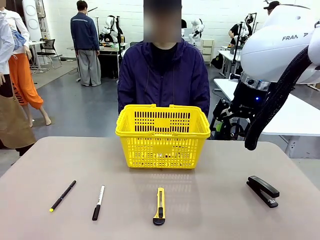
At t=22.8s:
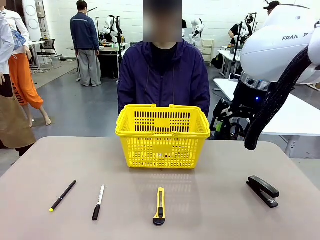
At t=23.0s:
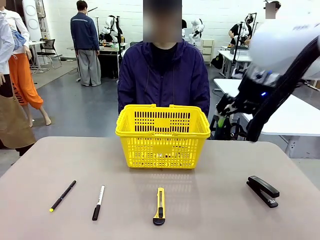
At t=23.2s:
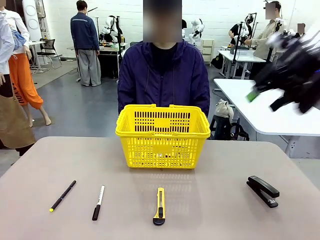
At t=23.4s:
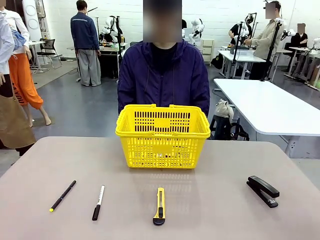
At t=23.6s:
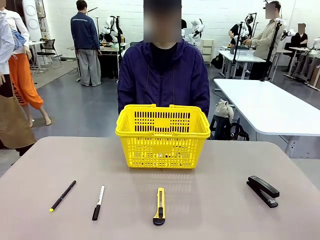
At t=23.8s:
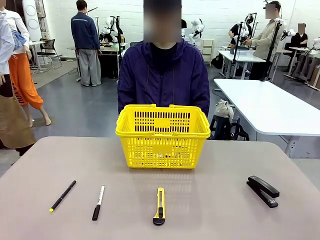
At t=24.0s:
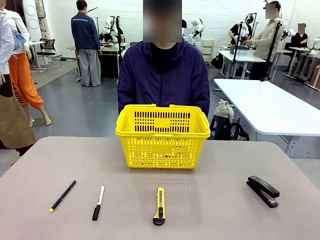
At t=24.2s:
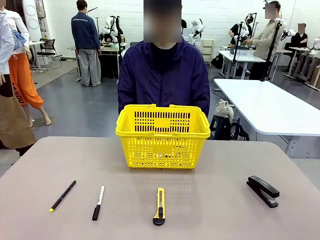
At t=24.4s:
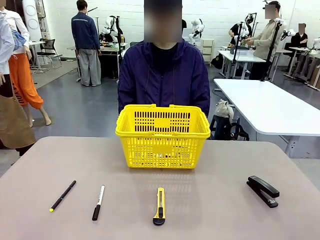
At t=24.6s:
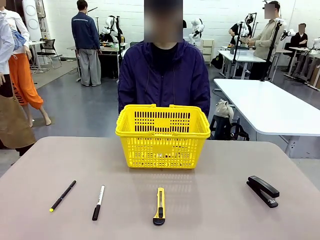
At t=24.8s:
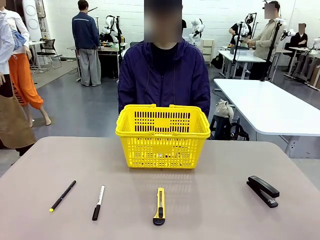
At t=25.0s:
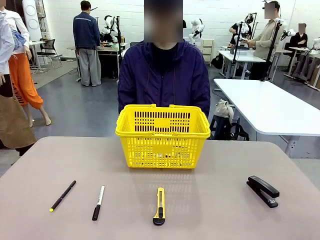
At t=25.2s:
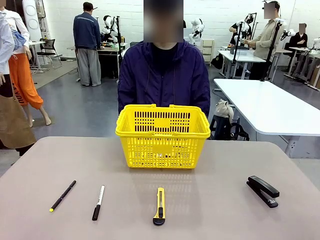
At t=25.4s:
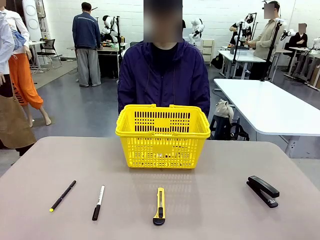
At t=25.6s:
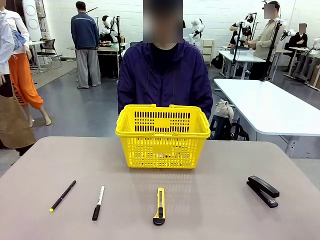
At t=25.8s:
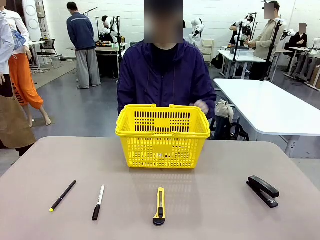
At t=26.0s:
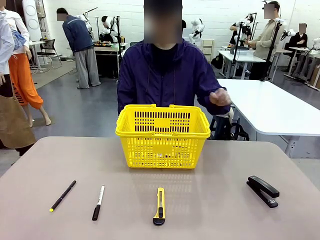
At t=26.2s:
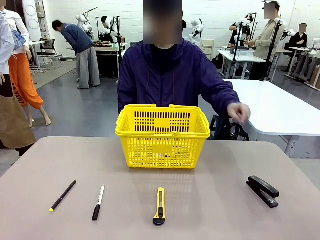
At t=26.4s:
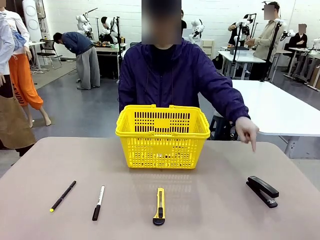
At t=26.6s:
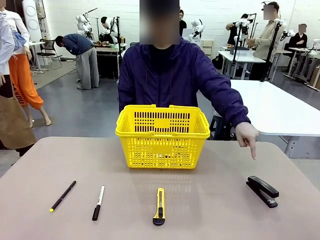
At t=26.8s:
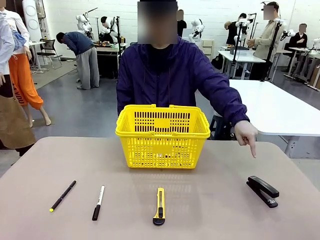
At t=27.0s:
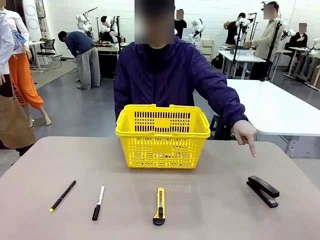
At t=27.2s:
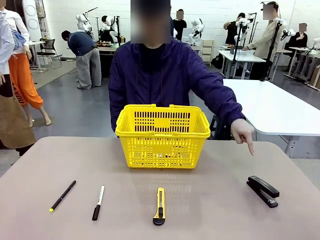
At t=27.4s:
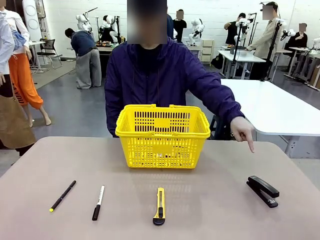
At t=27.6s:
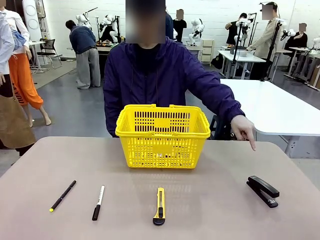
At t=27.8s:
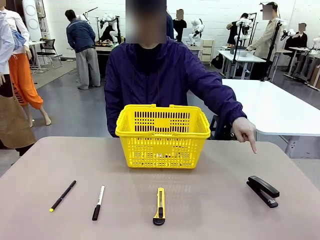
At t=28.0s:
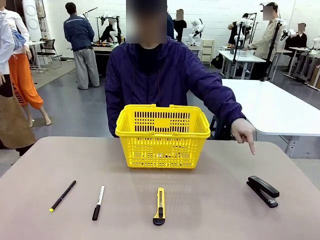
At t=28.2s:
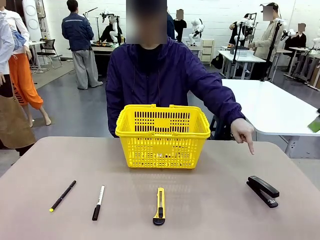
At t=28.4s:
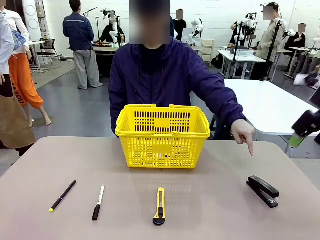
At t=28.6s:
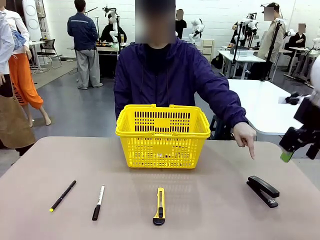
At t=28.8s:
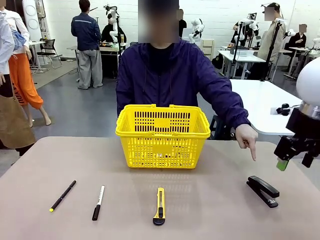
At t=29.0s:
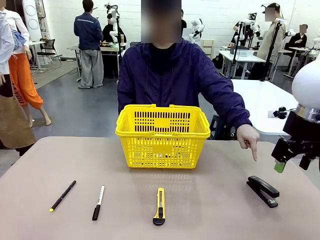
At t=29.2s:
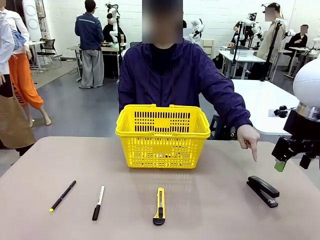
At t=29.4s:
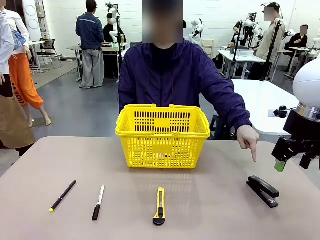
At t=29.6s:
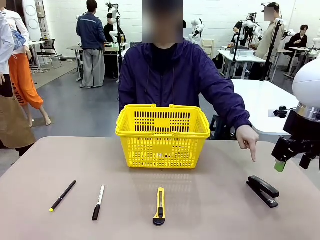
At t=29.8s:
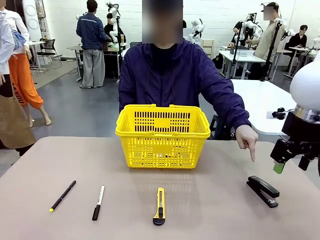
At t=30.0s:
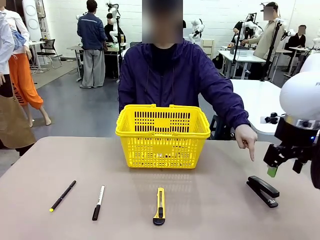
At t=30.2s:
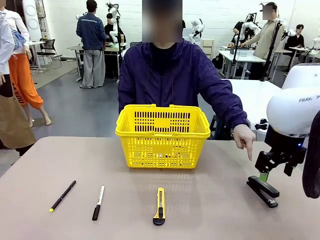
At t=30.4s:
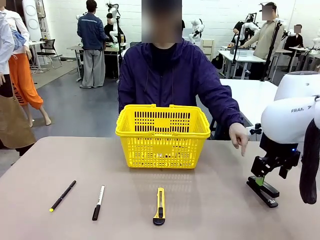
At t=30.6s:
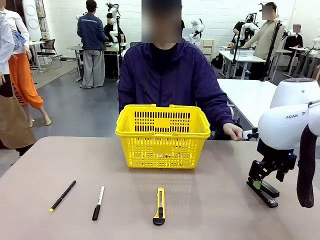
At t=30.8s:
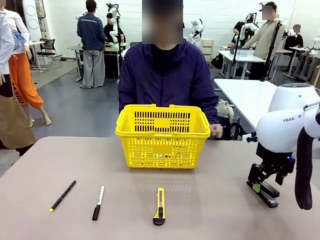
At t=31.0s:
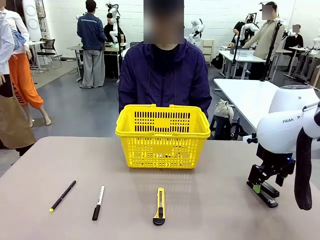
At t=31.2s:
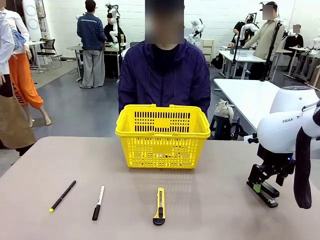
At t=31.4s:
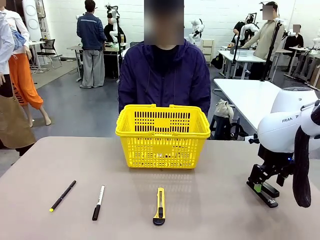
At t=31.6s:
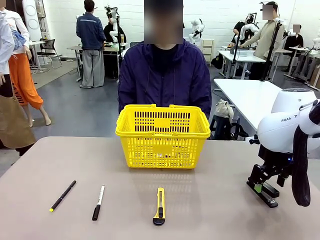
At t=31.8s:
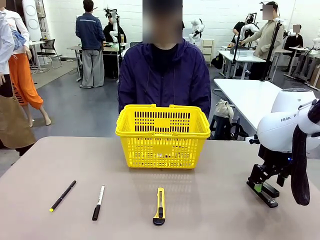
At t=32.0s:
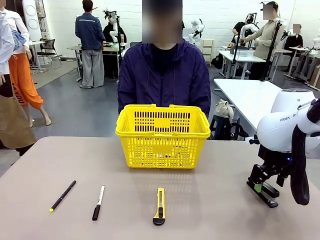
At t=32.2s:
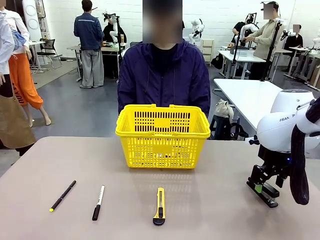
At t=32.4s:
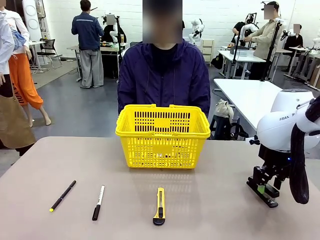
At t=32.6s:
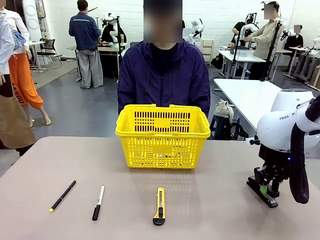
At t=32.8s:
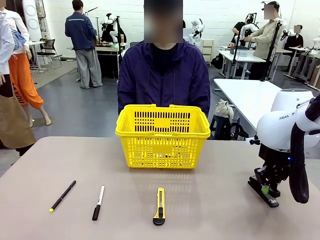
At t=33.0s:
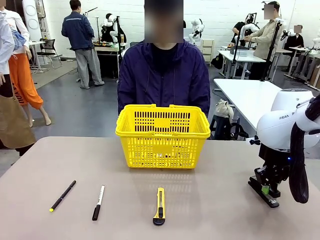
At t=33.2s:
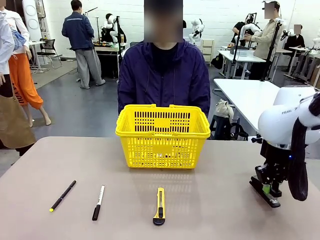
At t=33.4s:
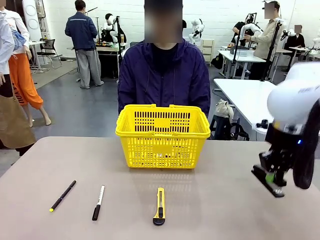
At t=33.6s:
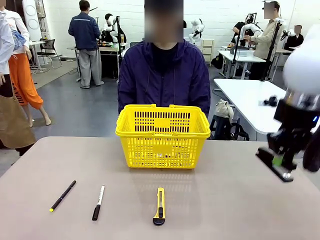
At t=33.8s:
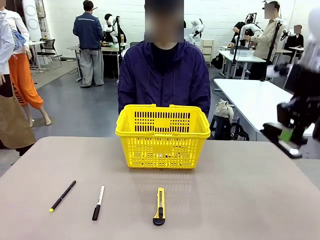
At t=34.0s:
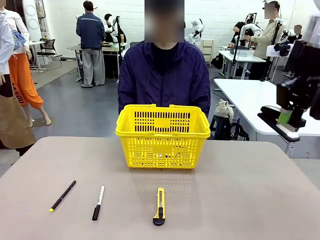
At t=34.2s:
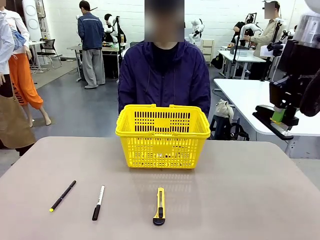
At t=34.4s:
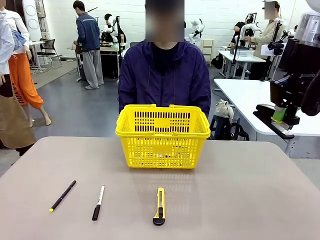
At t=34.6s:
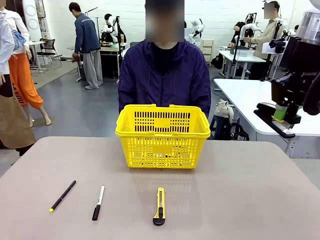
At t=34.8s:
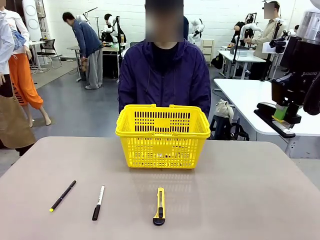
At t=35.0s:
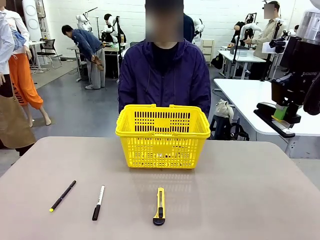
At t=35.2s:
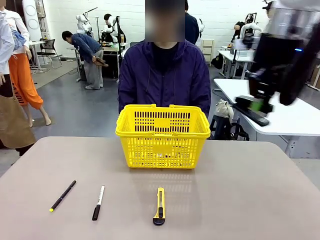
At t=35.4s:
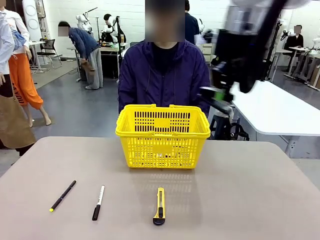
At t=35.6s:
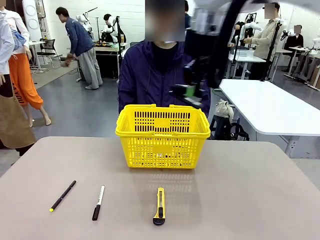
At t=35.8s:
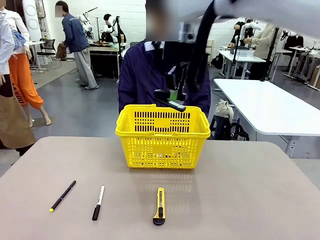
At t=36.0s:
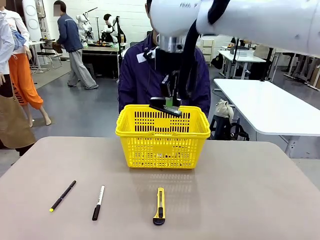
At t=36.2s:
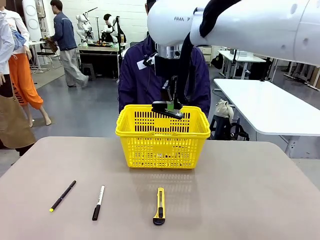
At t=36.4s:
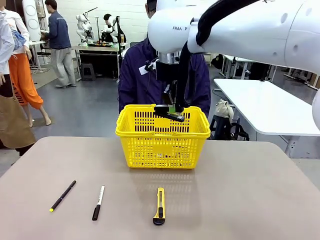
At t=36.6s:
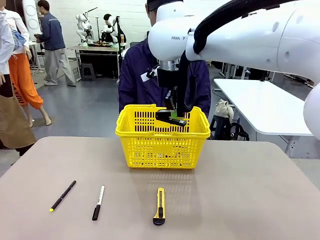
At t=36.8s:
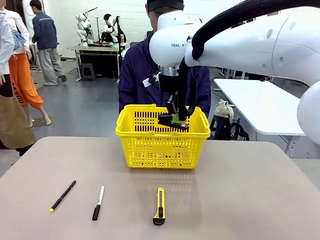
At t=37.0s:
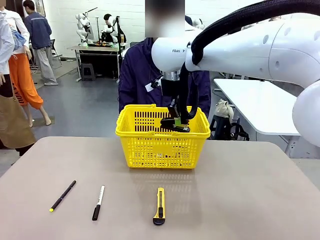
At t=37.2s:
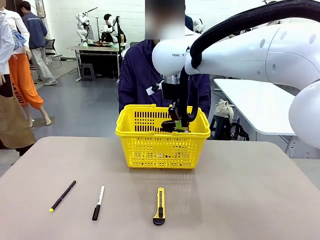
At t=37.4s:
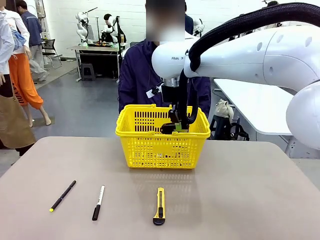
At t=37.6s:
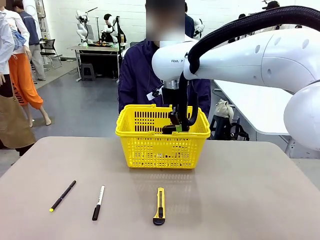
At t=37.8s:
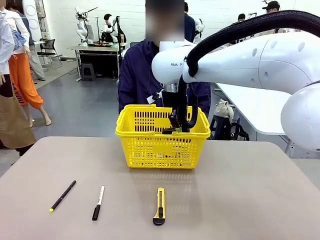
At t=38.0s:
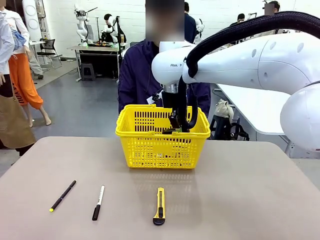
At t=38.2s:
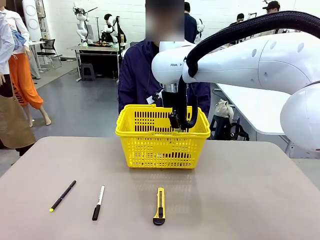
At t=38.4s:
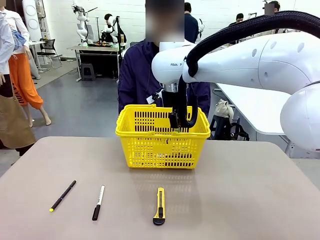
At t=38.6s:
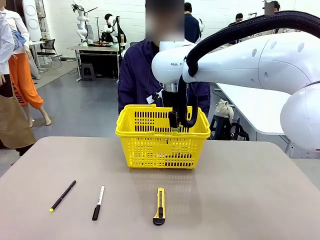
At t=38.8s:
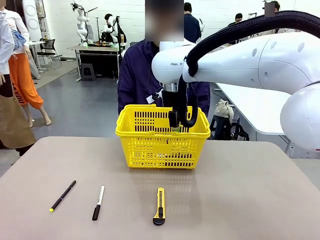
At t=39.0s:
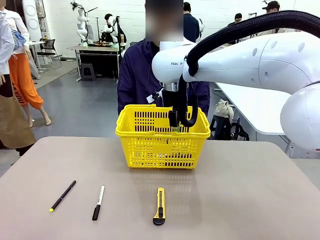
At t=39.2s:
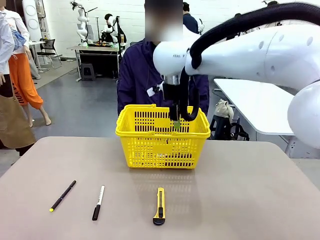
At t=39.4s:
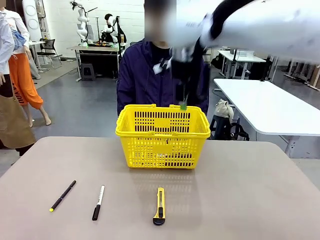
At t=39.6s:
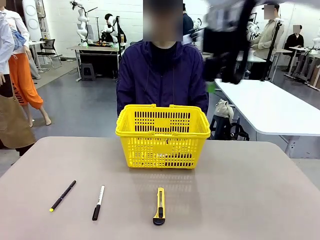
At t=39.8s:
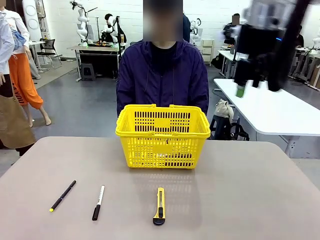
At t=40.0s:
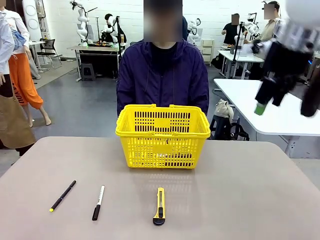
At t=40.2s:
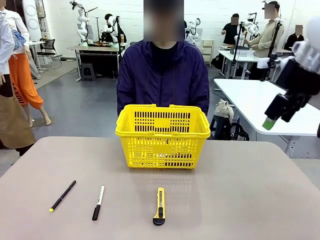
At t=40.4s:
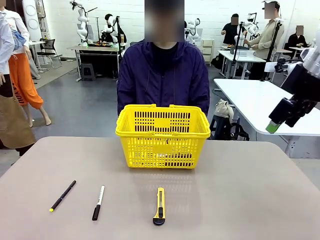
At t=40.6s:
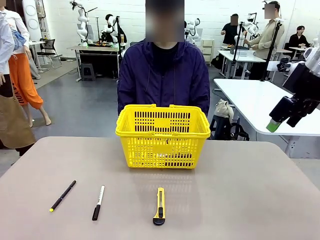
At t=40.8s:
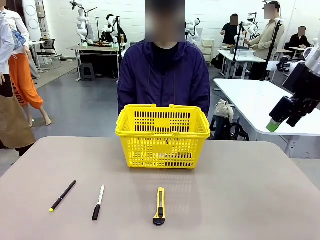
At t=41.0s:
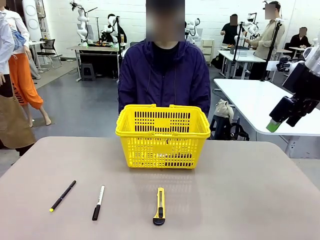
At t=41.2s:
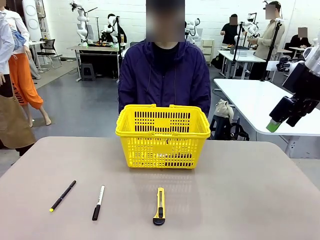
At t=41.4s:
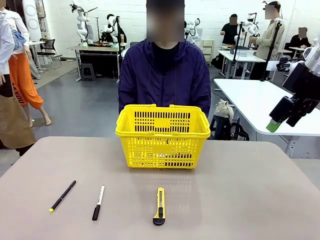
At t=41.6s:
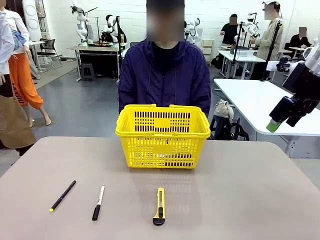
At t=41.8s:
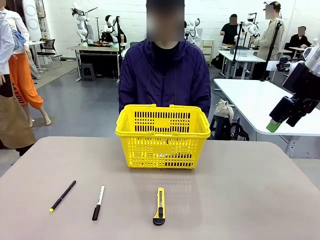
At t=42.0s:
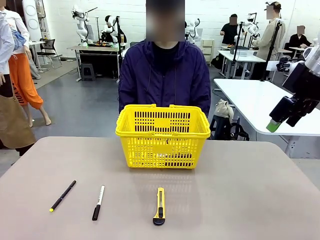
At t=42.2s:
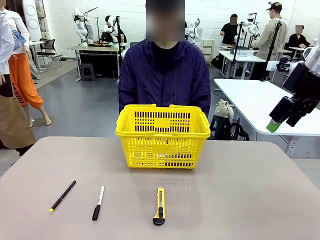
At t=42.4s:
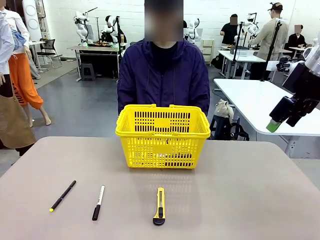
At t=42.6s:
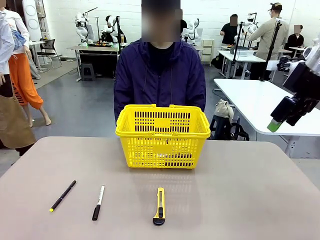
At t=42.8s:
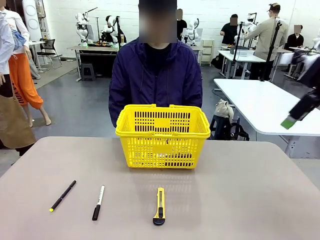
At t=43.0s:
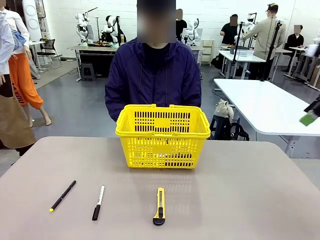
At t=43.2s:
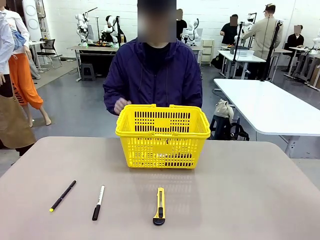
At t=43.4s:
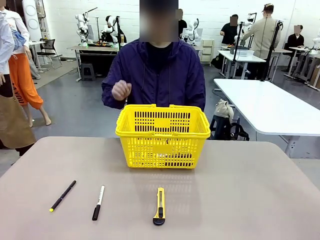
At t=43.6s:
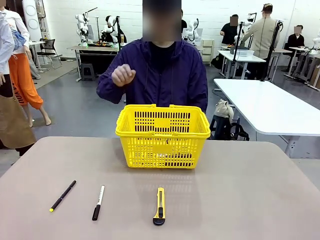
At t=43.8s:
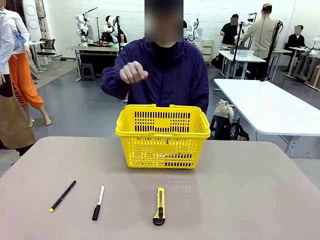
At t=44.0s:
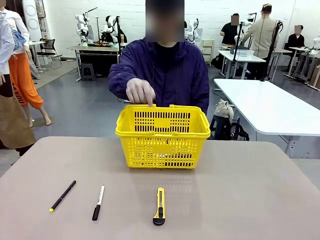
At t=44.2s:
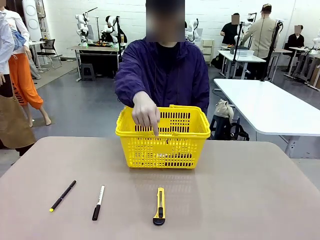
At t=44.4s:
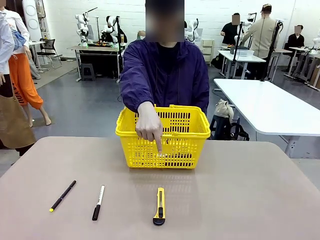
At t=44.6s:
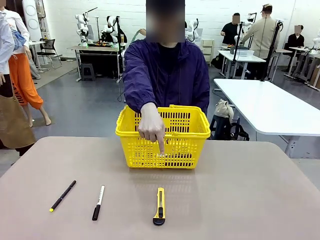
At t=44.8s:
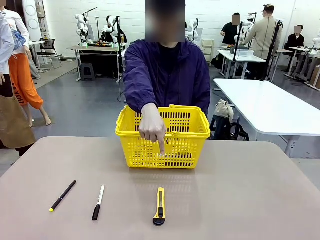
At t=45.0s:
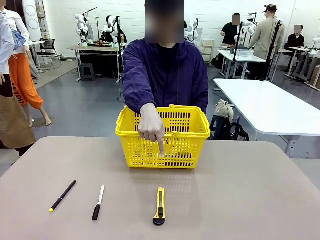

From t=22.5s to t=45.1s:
Task: Place the items the person wants into the basket.
Robot: Pick up the item the person points to and place it in the Market Basket.
